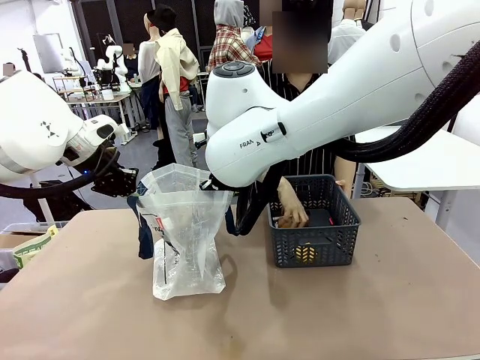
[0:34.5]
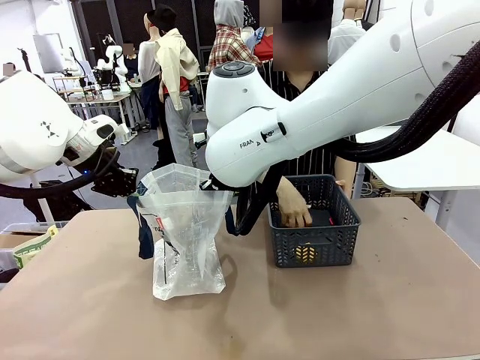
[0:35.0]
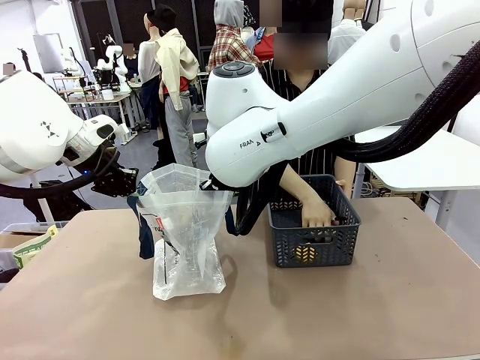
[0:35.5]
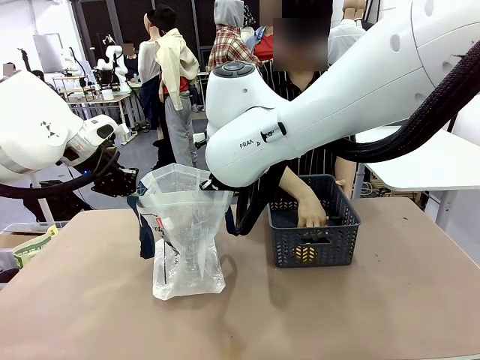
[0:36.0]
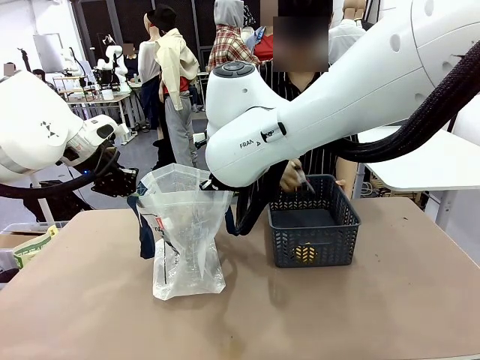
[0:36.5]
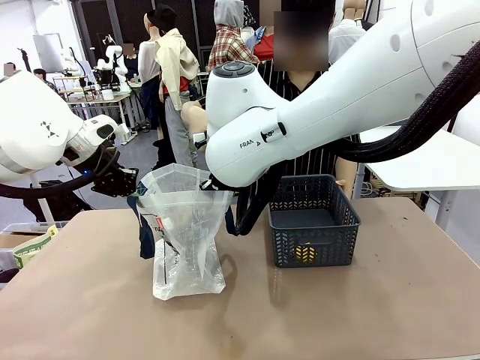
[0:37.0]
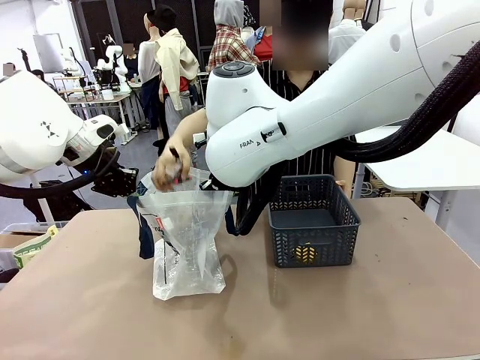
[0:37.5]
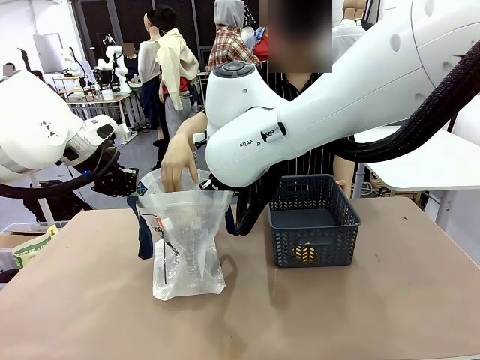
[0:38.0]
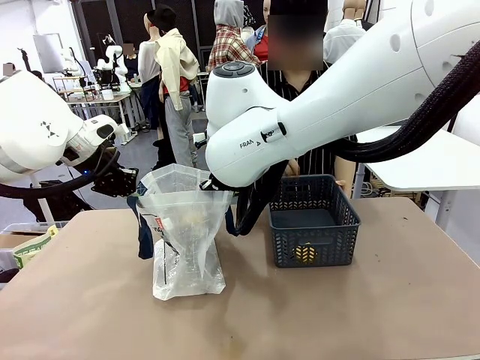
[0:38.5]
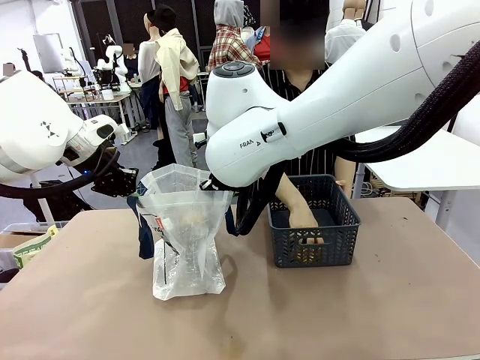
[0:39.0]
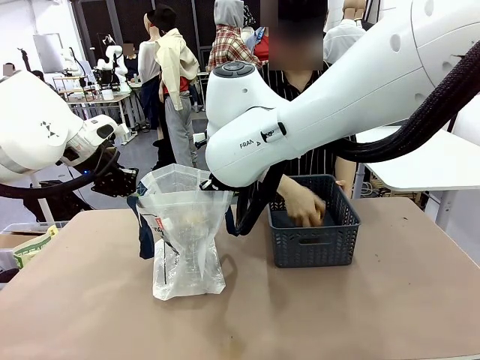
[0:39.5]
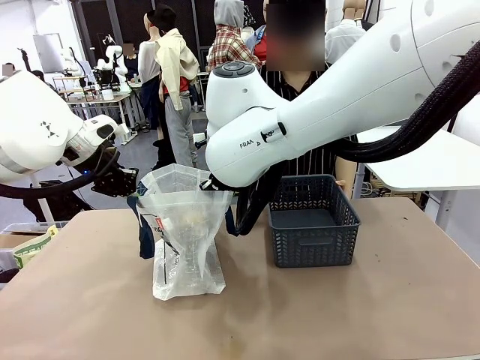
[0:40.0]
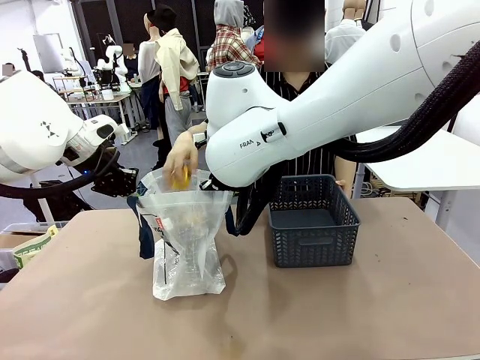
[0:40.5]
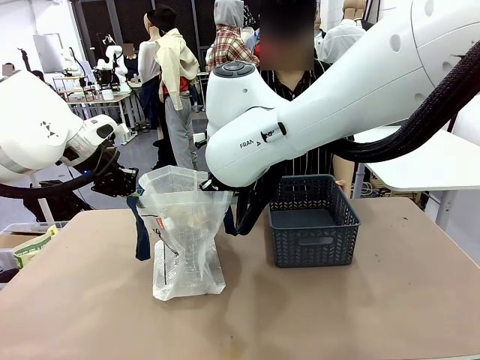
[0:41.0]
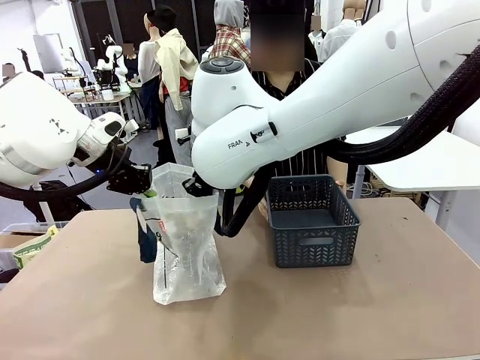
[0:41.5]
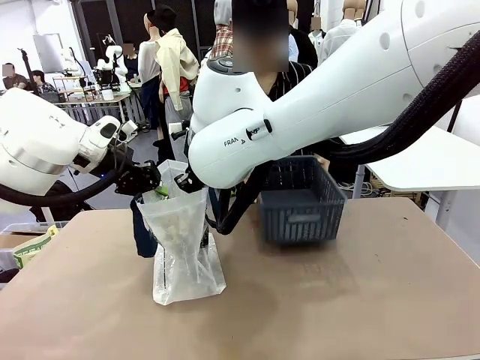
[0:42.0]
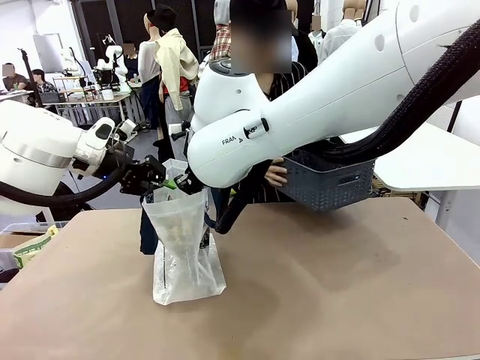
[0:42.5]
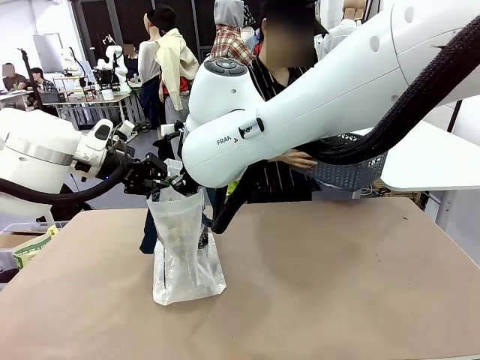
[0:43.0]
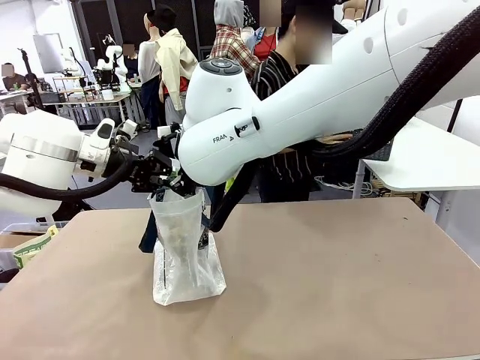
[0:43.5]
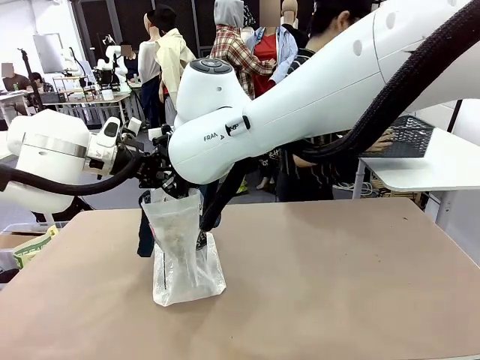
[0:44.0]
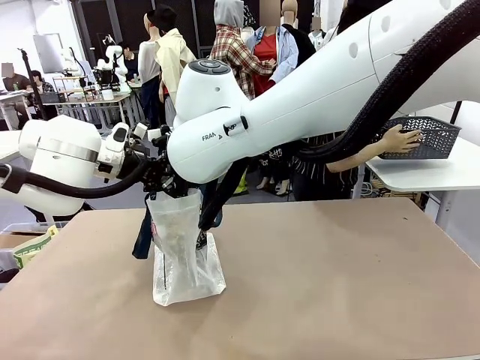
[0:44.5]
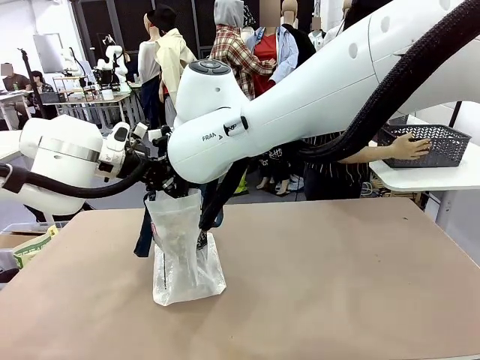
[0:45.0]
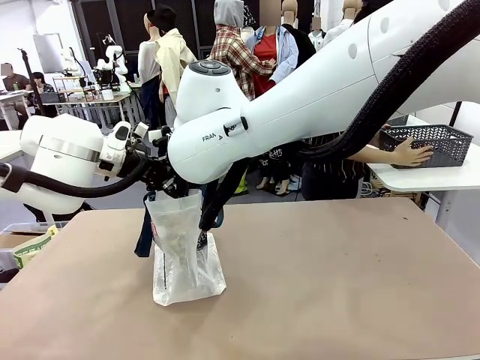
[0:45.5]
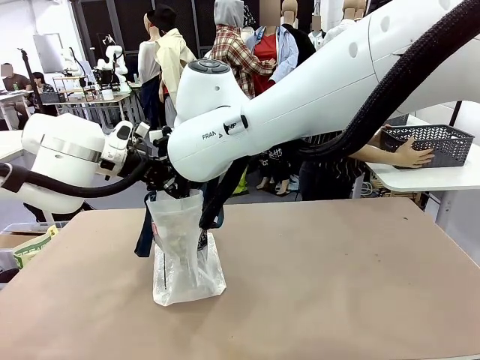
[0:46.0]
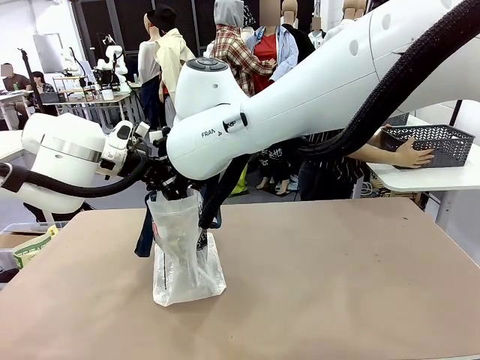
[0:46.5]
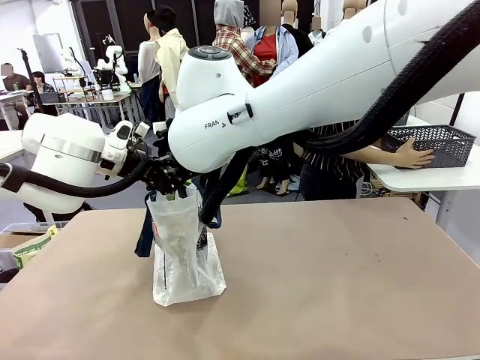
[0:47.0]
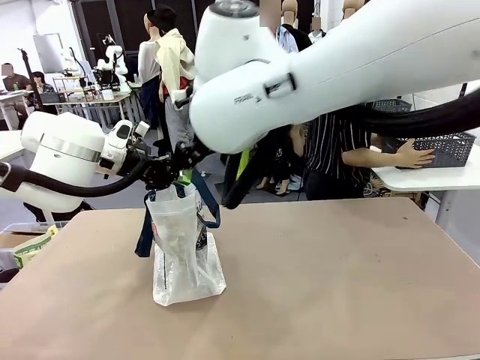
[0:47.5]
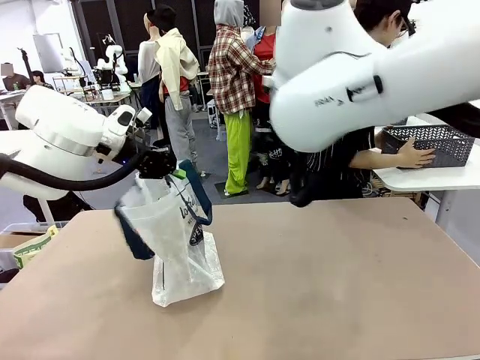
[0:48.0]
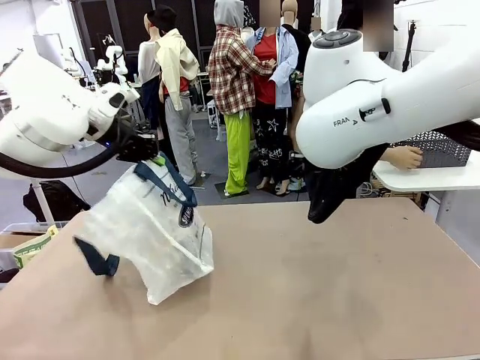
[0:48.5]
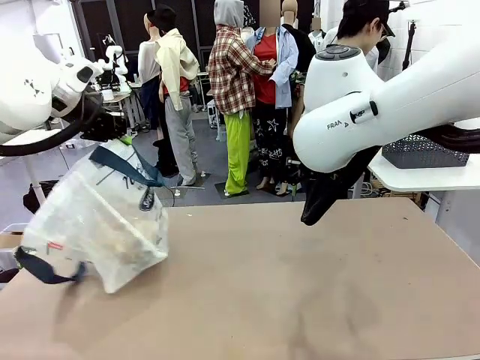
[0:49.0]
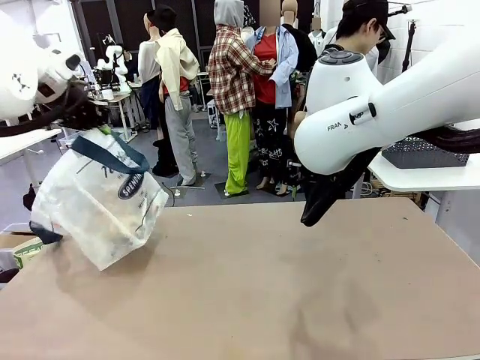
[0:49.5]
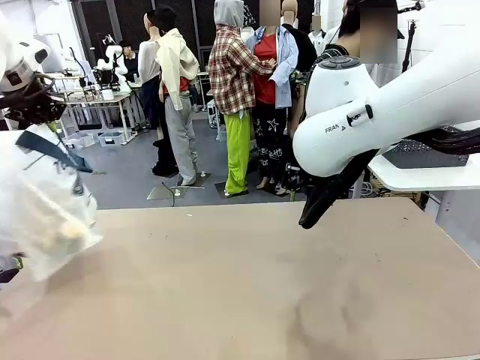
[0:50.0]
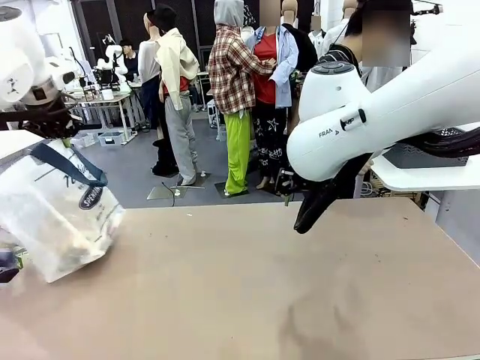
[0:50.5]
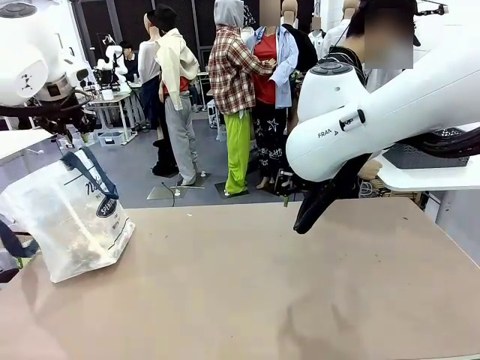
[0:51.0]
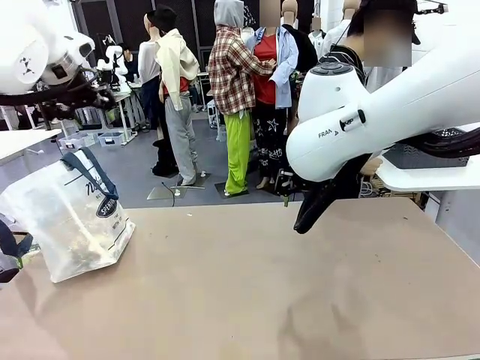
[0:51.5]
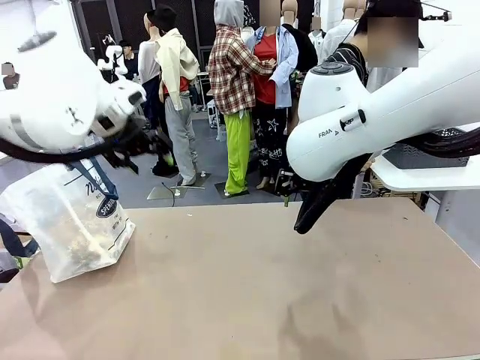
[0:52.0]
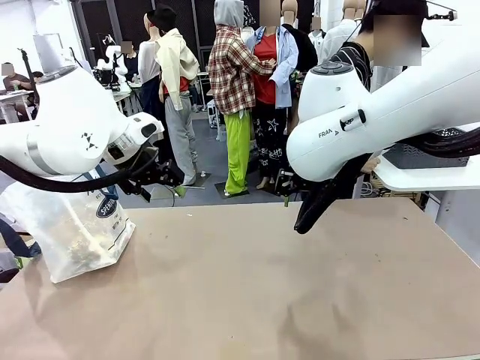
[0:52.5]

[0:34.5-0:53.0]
Task: Transfer purchased items from the store into the shopping bag.
Robot: Move the Reusable shopping bag to the right side of the table.
Person: Move the basket on the left to the middle of the person's table.

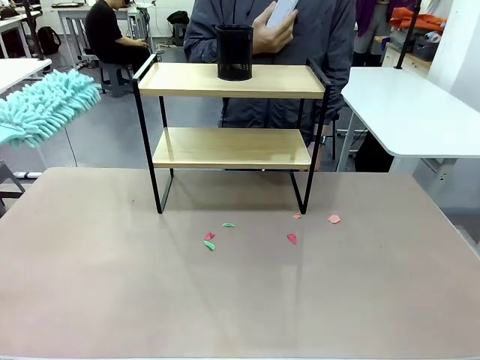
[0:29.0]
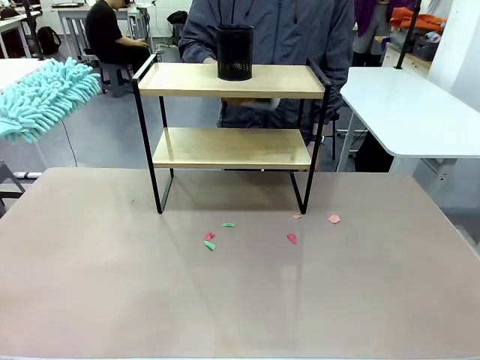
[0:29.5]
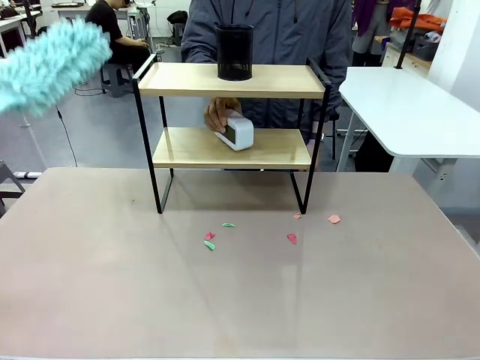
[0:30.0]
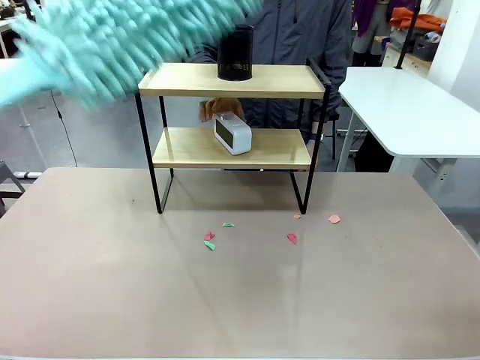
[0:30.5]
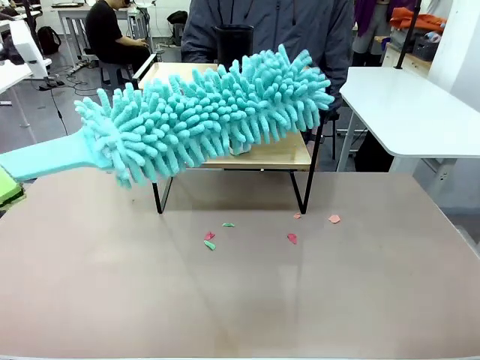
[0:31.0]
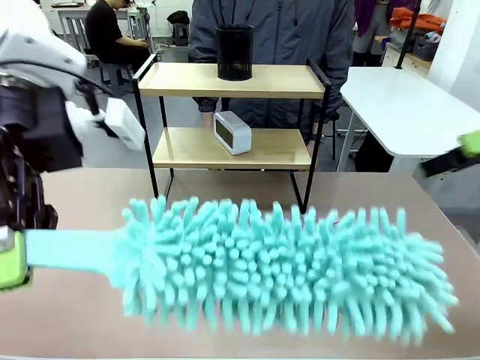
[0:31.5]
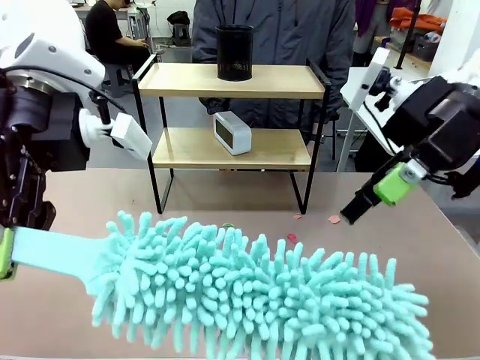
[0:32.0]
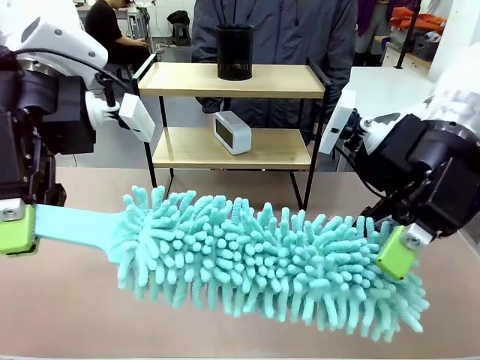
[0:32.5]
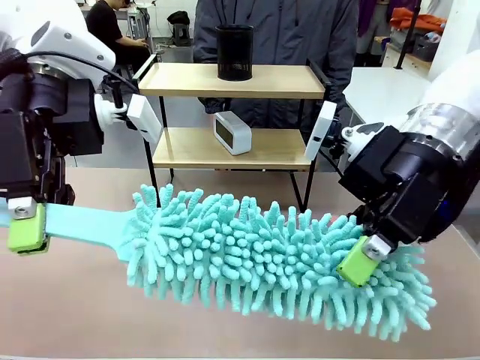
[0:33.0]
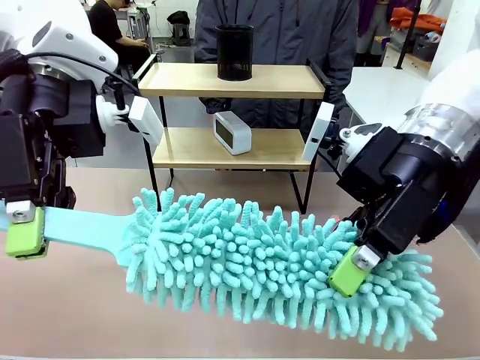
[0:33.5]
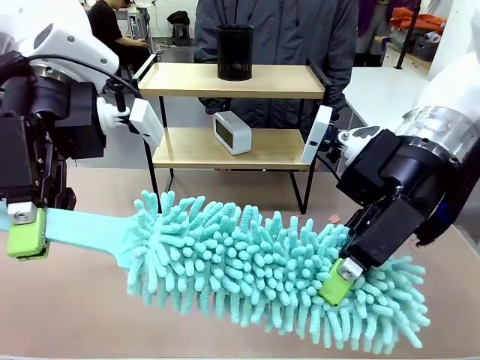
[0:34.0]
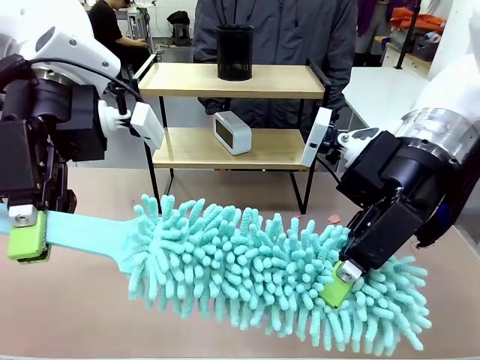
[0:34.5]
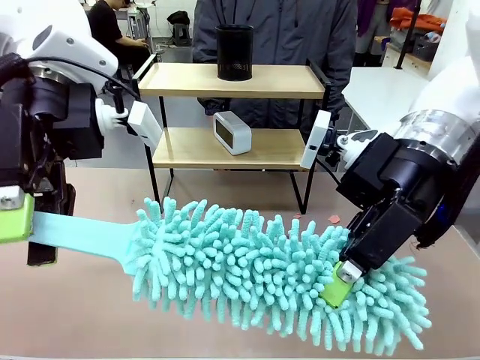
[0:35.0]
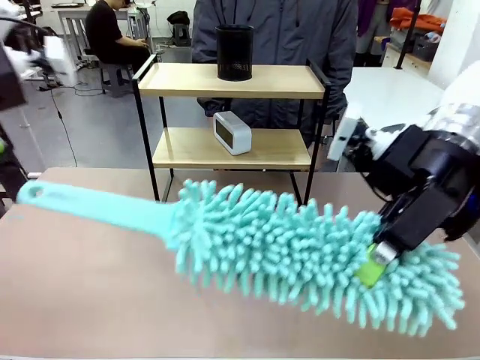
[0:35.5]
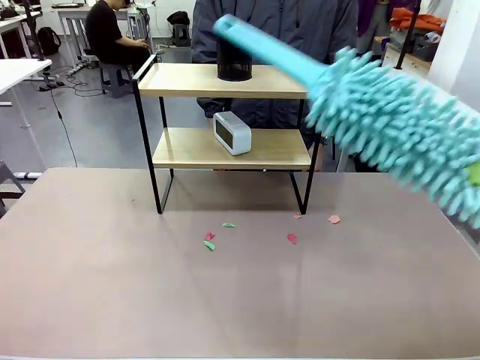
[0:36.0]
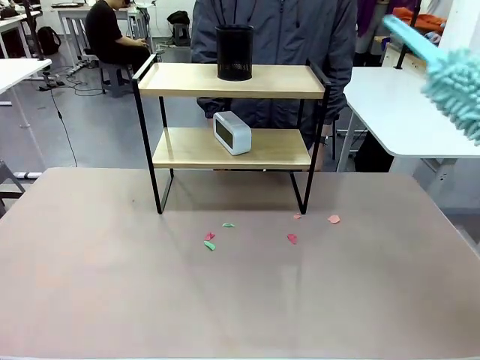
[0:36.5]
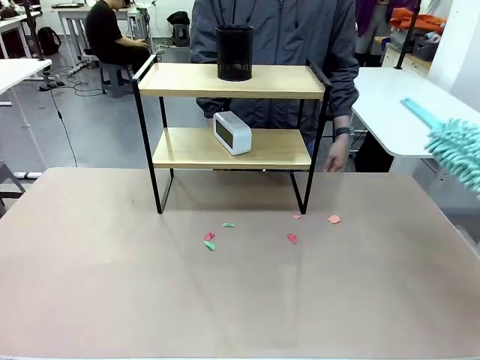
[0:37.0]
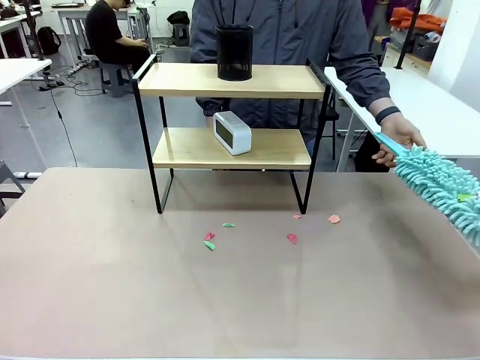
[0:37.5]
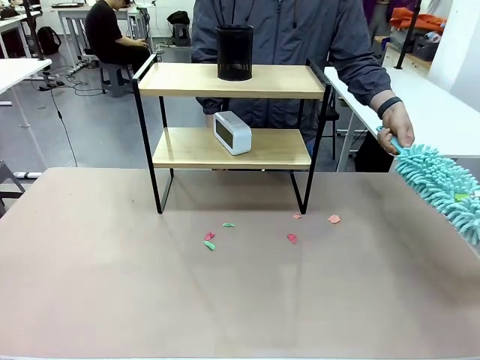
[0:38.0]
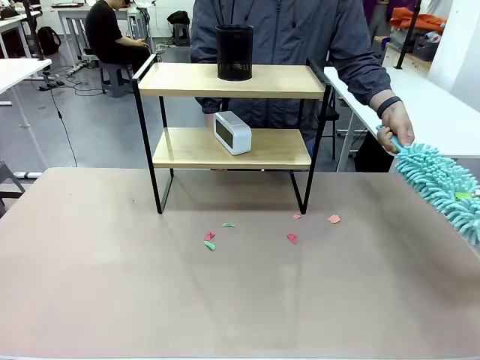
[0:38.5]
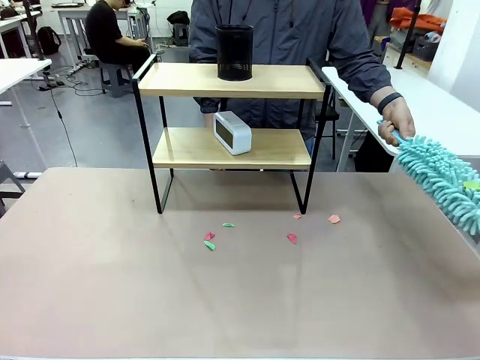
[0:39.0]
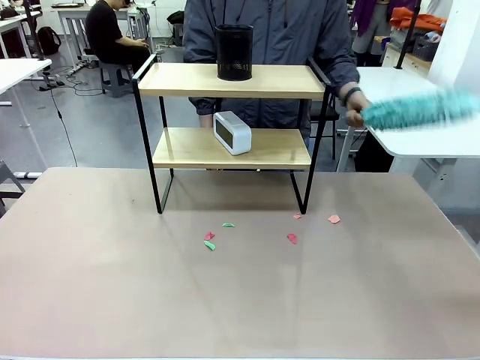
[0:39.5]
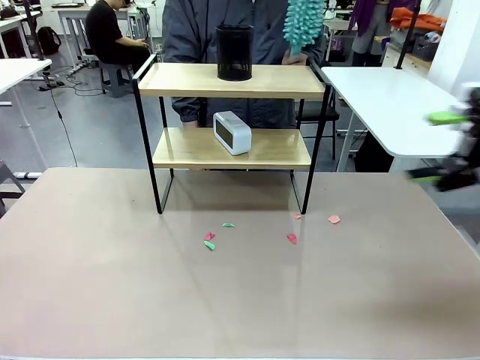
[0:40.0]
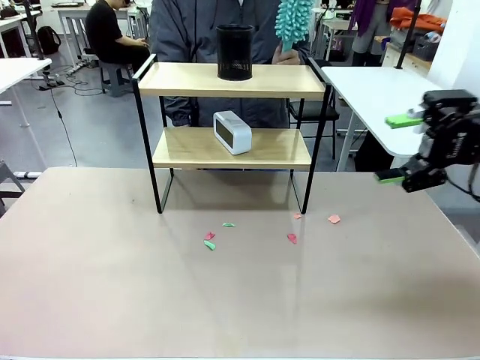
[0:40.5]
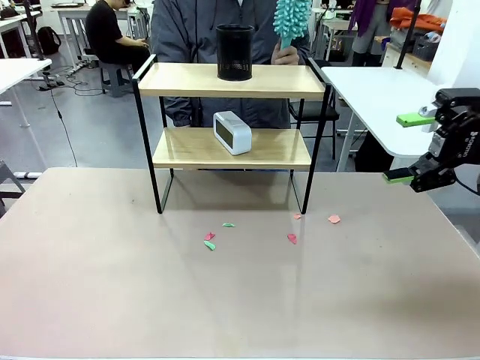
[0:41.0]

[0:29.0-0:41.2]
Task: Clean the shelf.
Robot: Hand the Duster back to the human.
Person: Receive the Duster from the robot.
